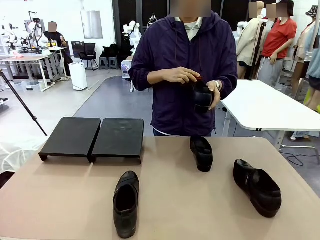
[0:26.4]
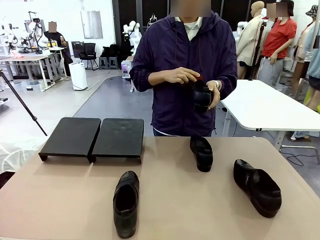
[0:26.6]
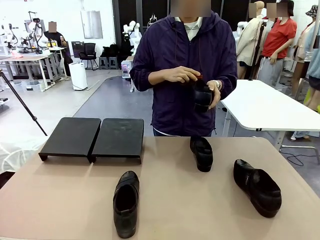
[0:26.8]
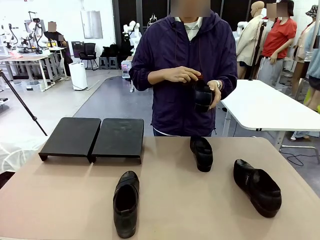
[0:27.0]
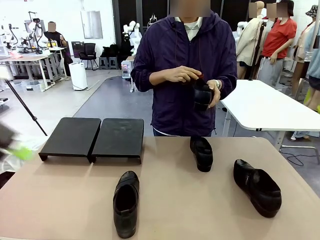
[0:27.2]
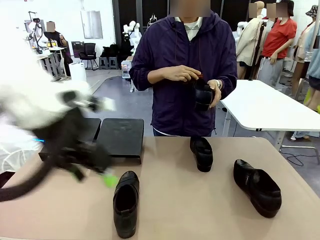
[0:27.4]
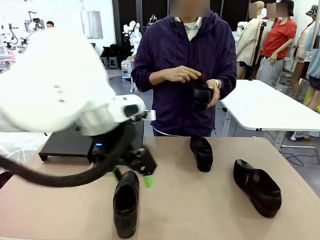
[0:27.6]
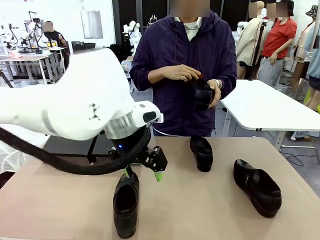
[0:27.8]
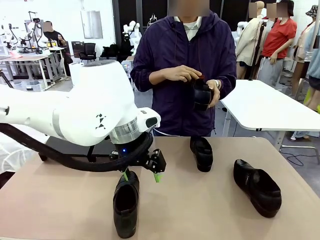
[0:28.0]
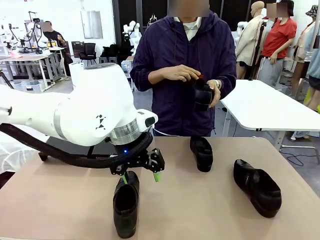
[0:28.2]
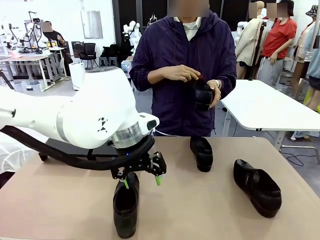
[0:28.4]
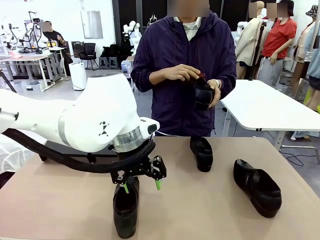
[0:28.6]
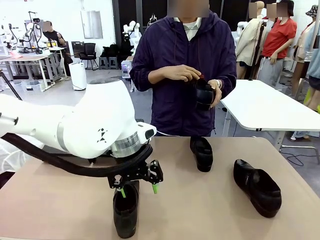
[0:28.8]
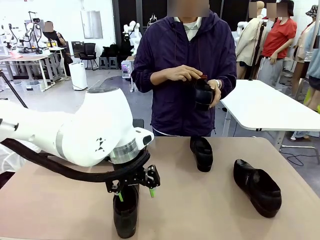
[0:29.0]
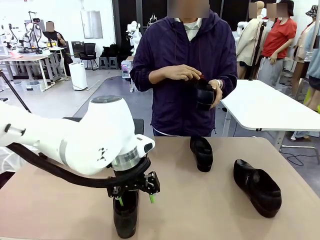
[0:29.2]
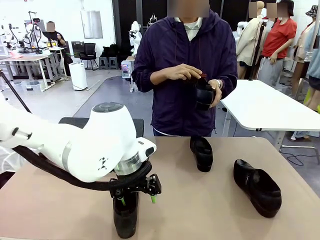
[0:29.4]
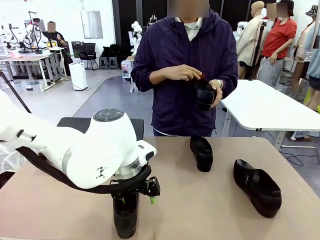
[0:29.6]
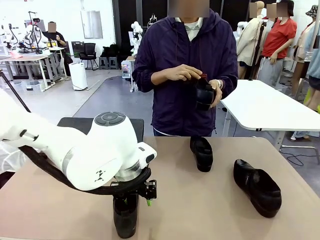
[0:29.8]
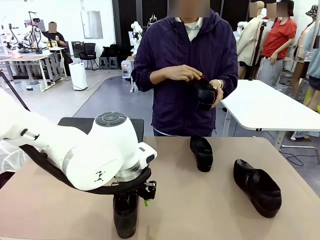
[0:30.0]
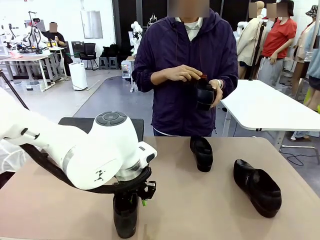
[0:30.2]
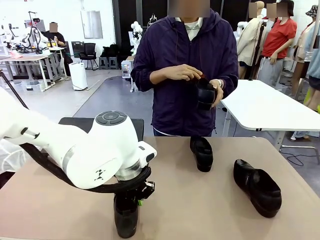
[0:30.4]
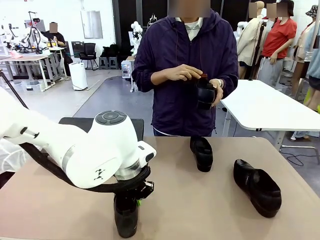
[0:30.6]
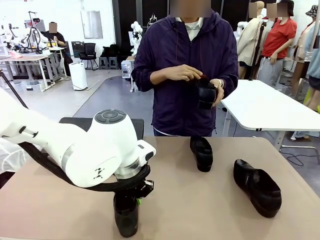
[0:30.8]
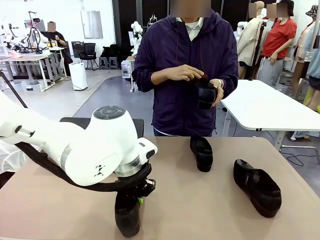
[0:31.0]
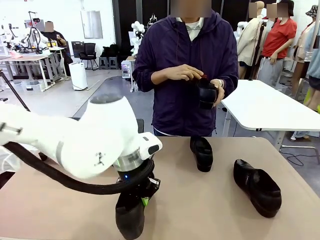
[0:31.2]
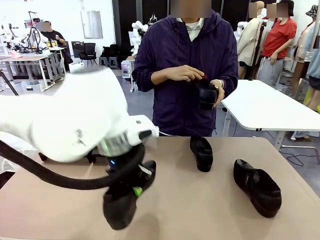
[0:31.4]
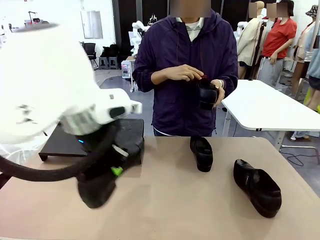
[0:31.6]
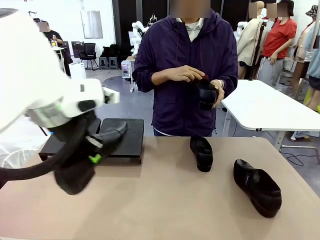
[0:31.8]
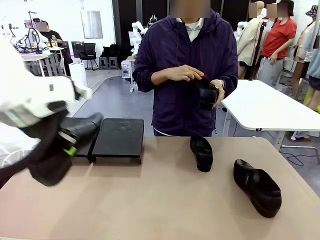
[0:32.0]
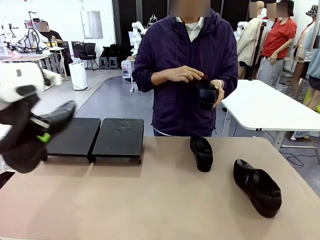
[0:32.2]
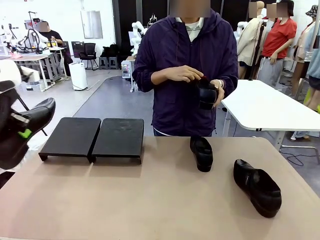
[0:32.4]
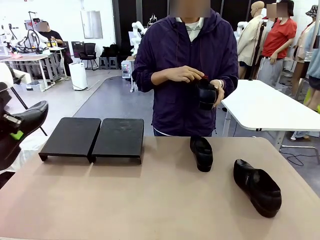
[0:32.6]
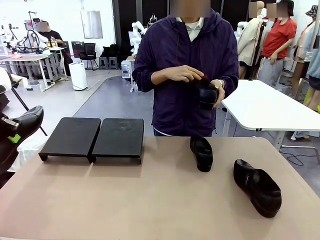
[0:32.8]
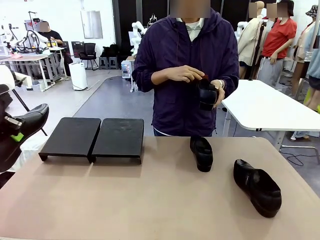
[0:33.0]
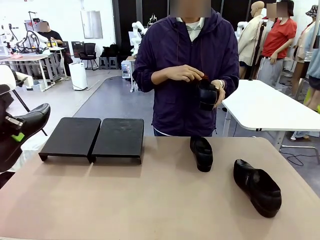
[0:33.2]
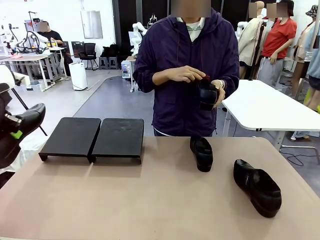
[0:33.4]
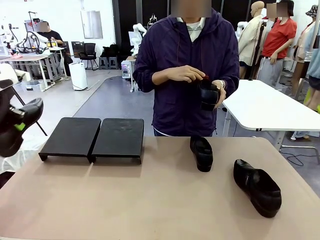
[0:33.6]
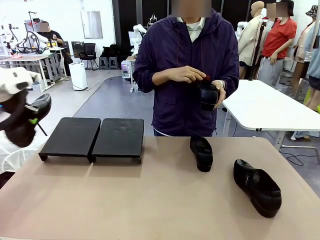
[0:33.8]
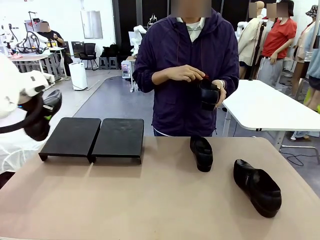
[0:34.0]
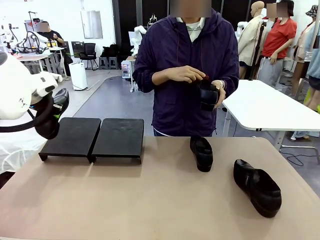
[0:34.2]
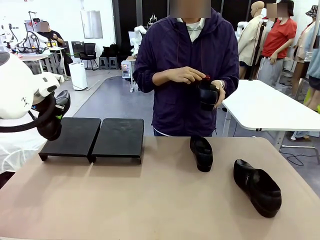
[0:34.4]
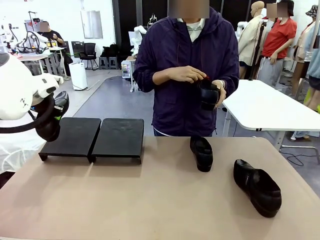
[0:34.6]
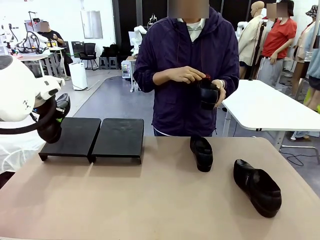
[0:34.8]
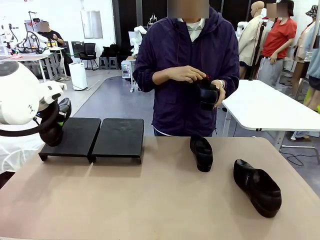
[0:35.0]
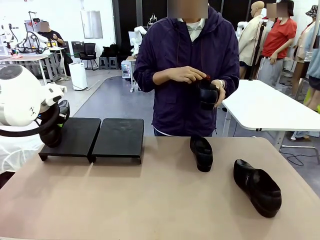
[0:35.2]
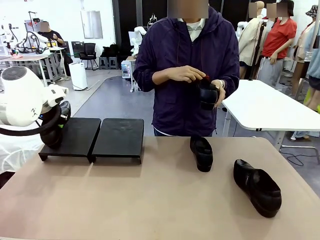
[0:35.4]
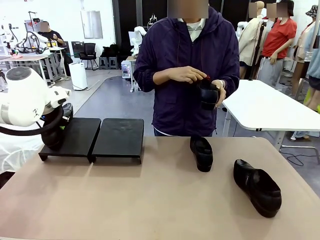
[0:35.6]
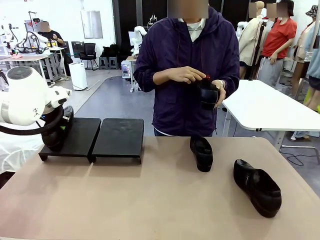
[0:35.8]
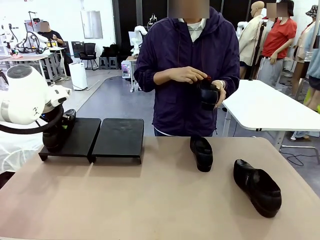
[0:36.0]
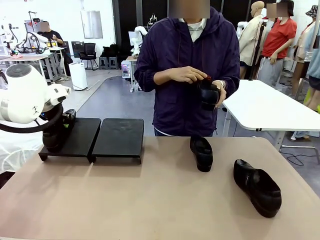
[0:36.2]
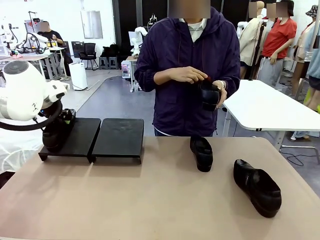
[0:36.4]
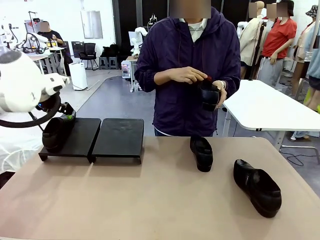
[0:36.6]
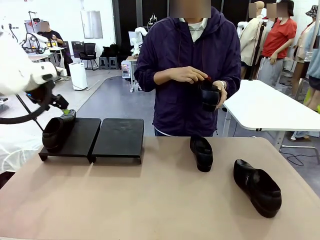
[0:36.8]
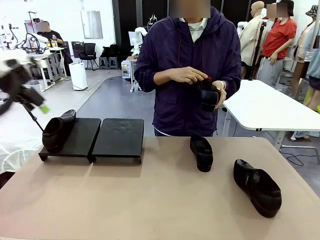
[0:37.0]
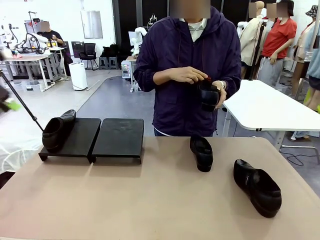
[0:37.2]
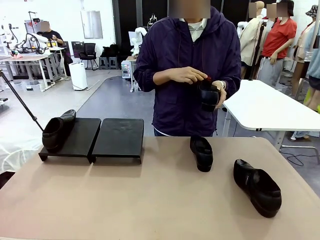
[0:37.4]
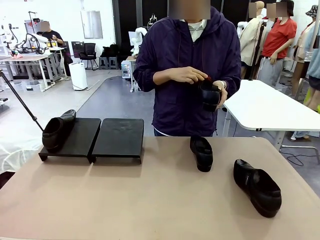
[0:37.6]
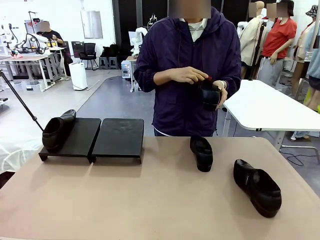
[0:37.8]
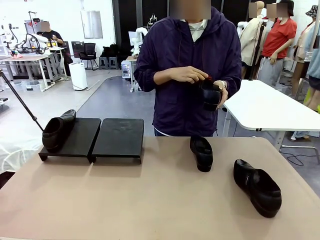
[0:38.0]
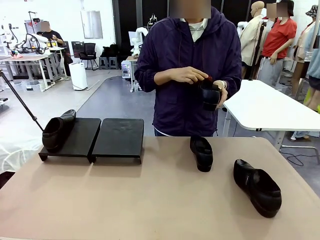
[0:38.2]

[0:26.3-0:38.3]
Task: Organize the shoes by placing them on the stand.
Robot: Place the Shoe from the middle of the table onto the Shoes Stand.
Person: Clean the Shoe with the Shoe Brush.
